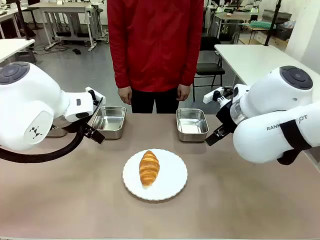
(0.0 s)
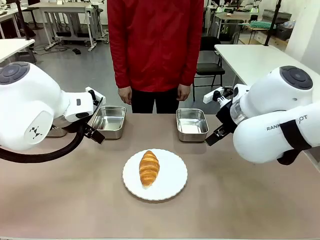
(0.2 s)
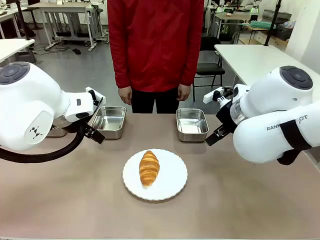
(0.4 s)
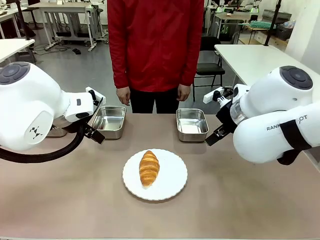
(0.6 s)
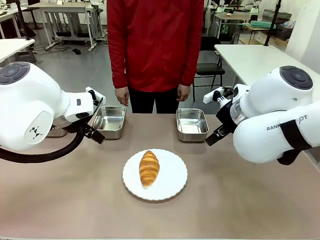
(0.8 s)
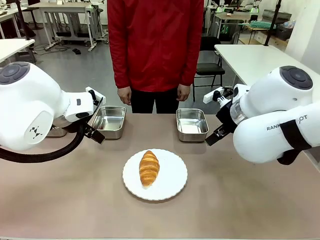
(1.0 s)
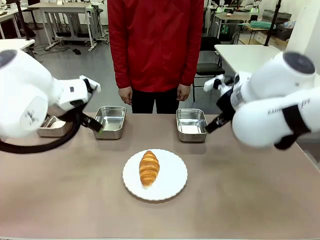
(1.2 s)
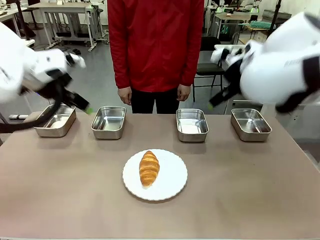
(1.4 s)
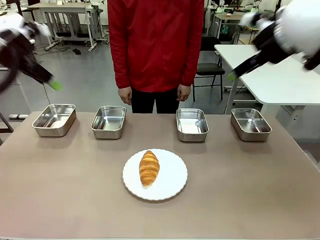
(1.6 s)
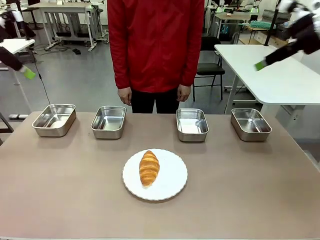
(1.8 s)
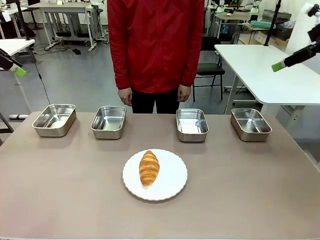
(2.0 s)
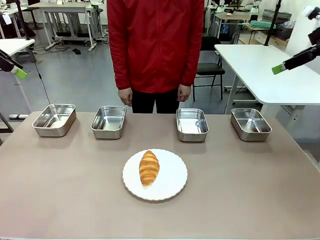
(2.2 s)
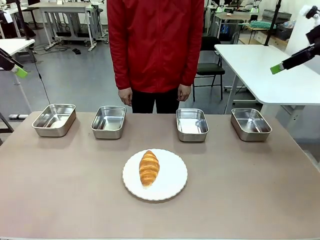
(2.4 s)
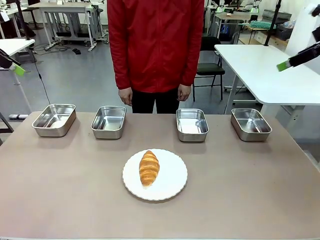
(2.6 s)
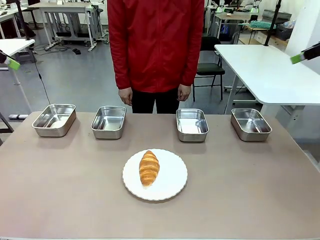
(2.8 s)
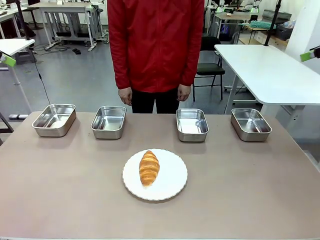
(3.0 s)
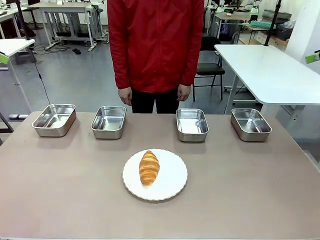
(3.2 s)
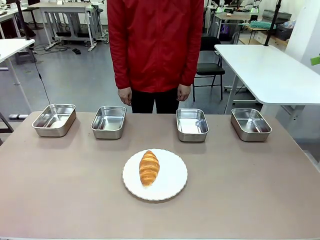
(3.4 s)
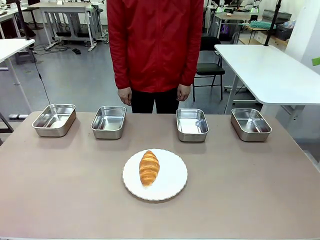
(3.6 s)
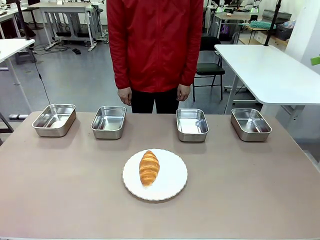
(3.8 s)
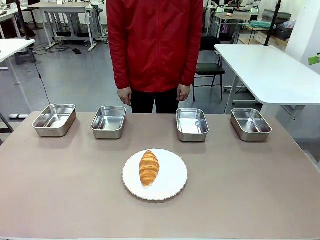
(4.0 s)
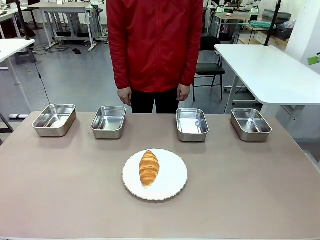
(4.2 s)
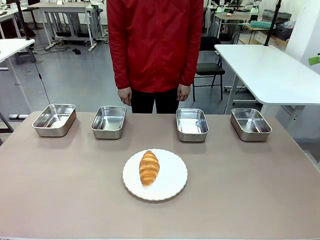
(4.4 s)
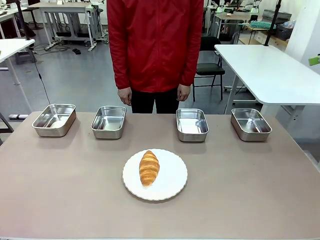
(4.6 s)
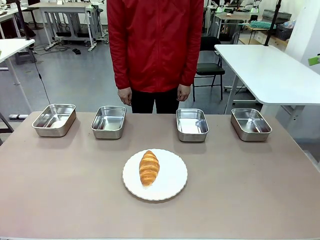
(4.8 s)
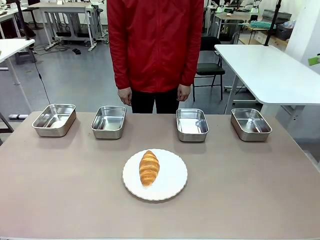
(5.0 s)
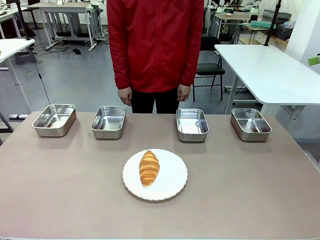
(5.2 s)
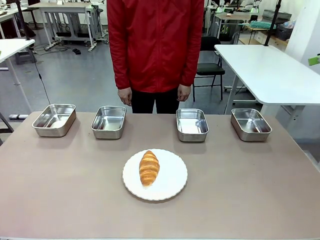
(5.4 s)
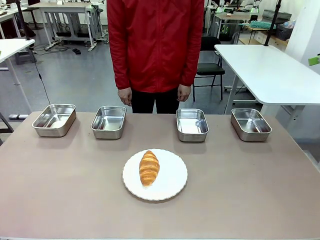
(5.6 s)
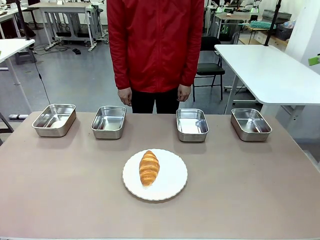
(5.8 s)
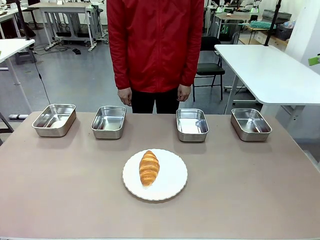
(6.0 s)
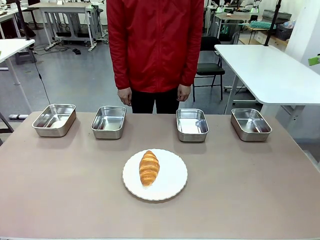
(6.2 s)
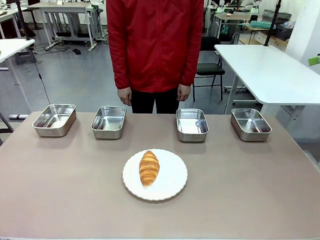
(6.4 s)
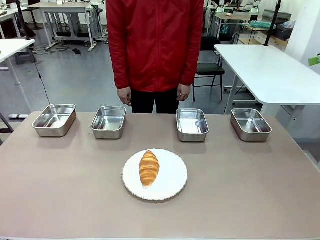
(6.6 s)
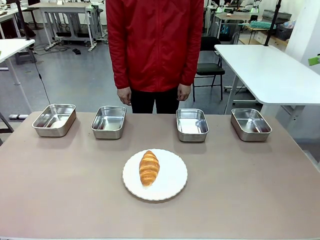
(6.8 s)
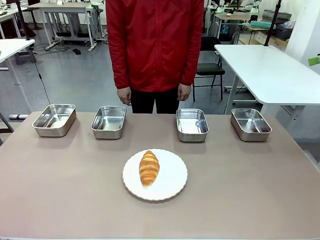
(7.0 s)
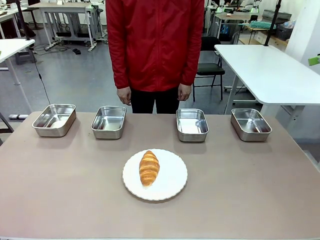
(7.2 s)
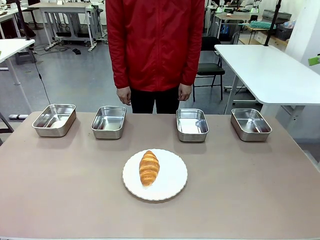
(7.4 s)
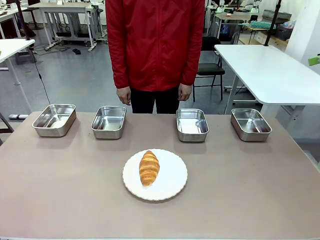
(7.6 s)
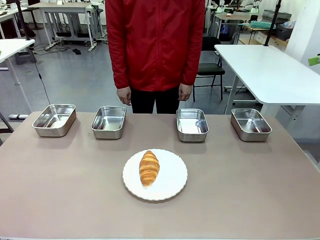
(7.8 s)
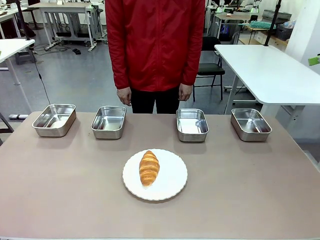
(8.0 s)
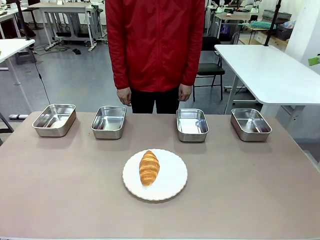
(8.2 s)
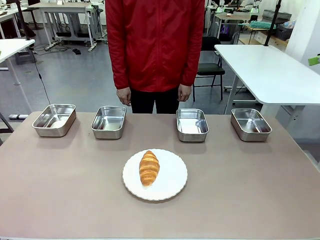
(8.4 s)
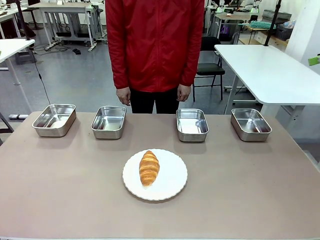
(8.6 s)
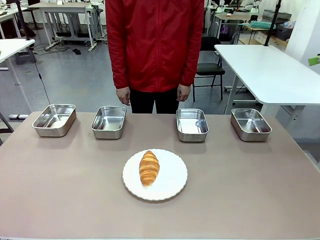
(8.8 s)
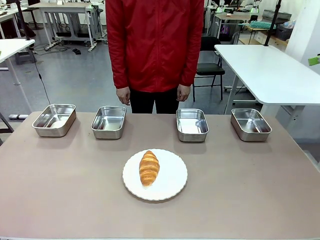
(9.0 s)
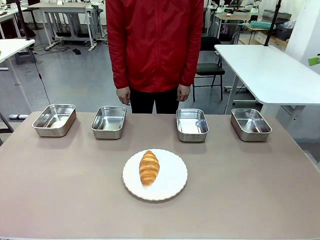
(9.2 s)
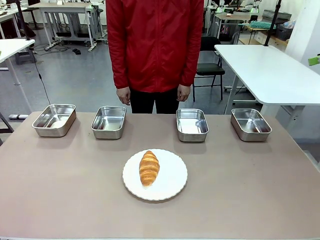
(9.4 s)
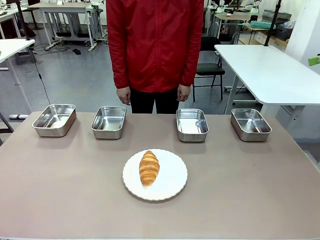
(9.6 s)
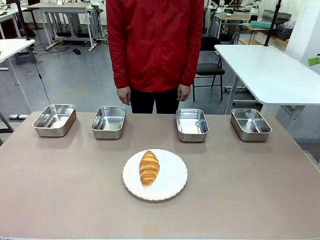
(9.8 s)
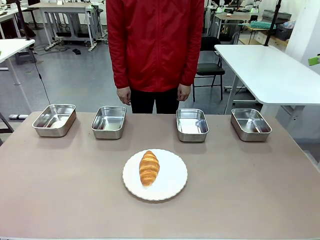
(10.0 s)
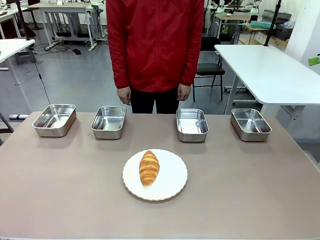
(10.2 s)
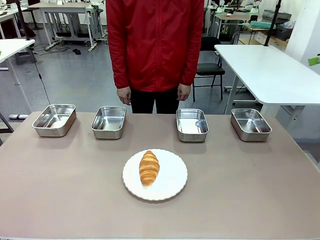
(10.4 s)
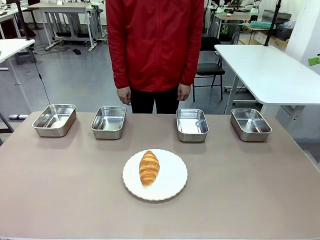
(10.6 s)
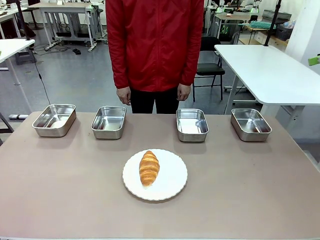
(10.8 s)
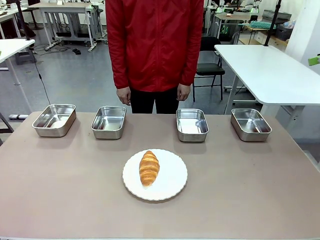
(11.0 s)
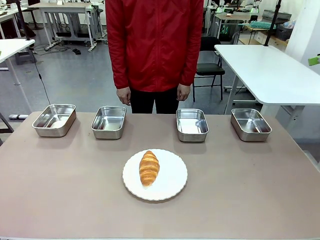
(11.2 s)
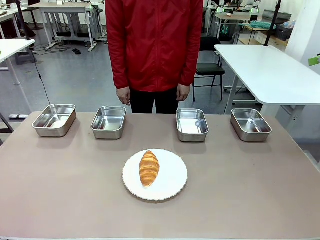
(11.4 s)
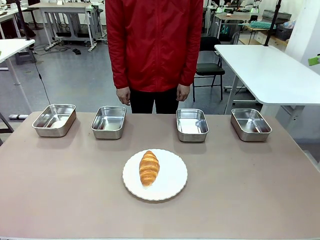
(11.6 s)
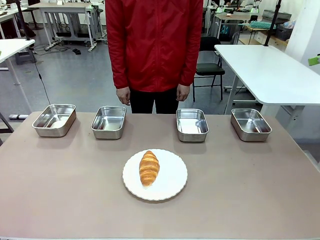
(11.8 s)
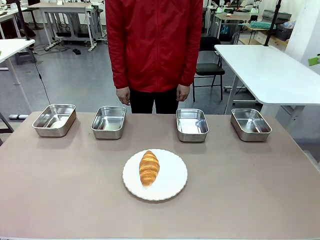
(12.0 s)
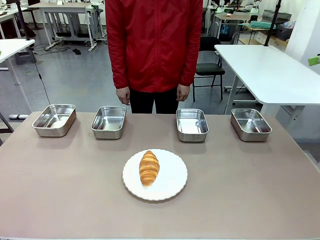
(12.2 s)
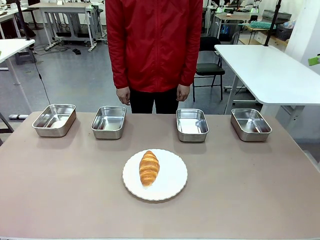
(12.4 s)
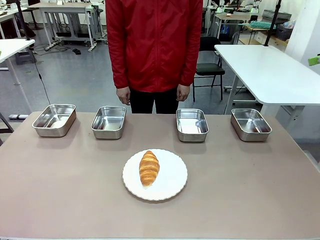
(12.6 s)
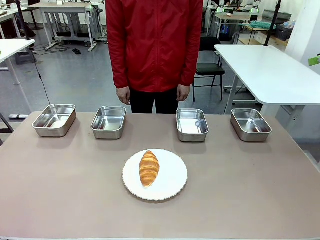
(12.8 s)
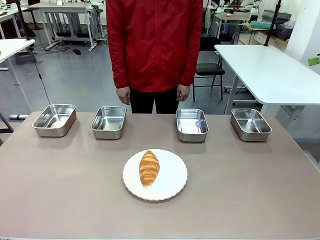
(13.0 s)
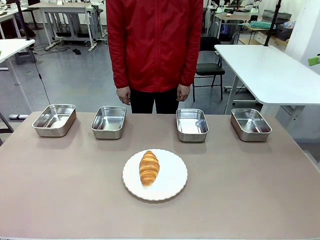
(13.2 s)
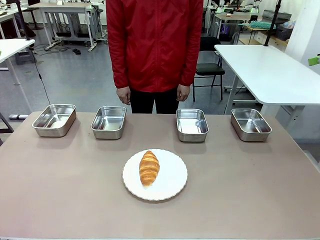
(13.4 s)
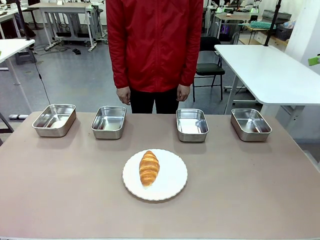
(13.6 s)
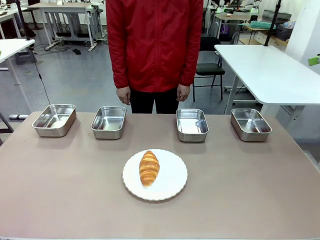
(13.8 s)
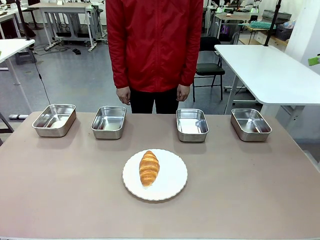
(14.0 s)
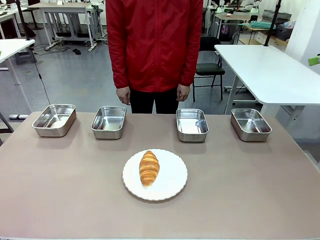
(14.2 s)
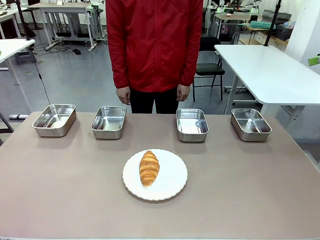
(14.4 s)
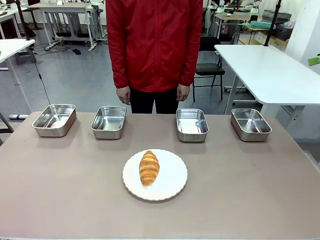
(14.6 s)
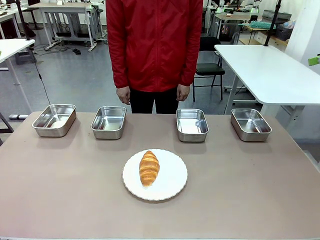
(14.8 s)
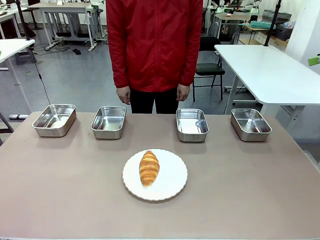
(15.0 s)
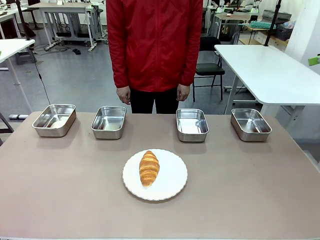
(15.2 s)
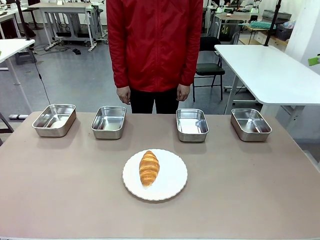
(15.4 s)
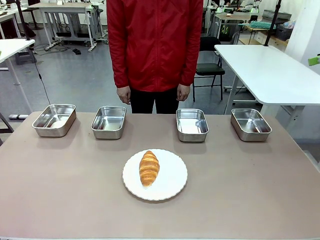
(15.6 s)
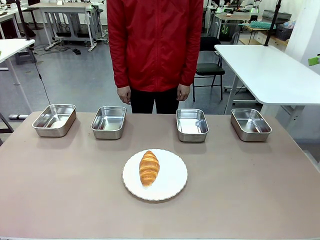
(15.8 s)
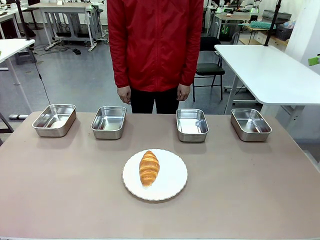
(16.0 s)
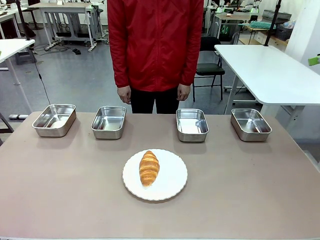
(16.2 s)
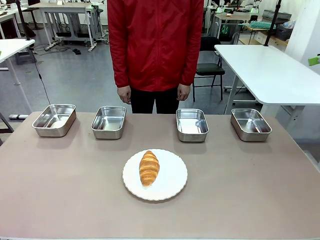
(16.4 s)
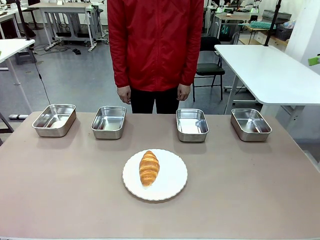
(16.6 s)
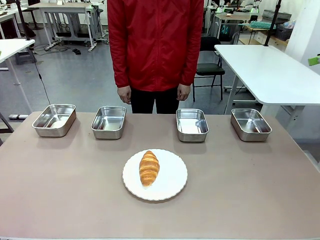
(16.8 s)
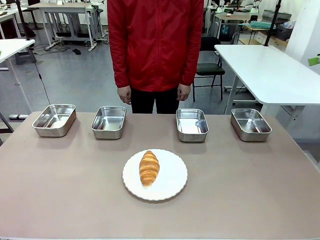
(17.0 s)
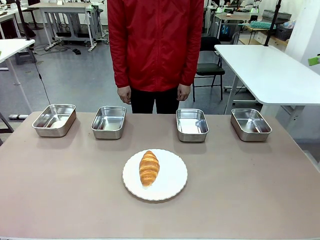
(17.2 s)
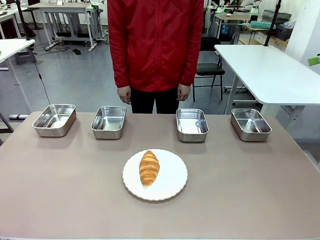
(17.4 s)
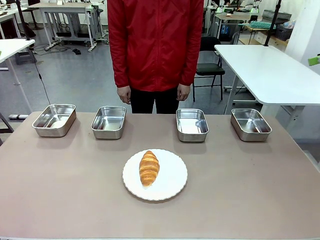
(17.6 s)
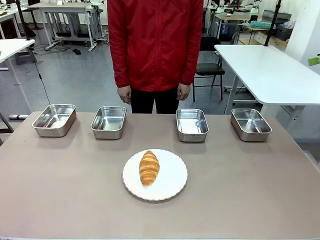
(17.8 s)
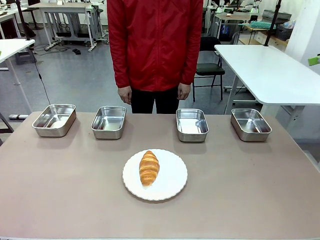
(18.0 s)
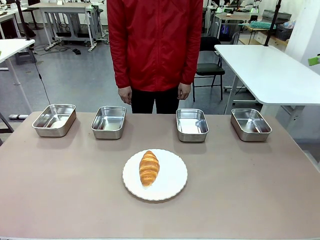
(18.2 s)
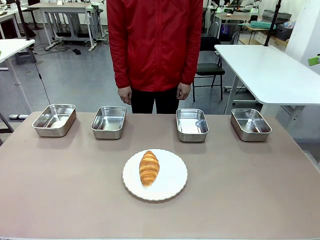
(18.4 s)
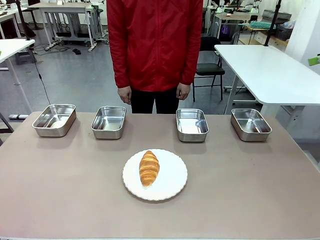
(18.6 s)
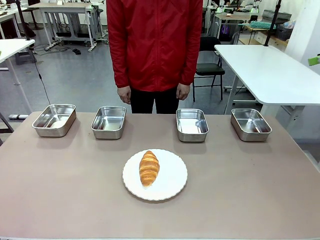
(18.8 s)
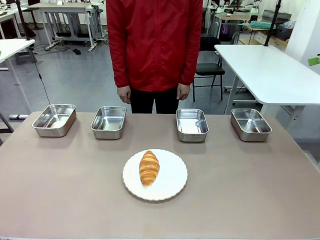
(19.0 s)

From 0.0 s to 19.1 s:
Task: Place the bread in the container.
Robot: Place the Butter Roll into the Airtight Container indicated by the human.
